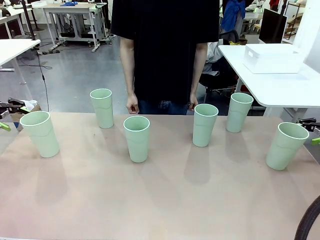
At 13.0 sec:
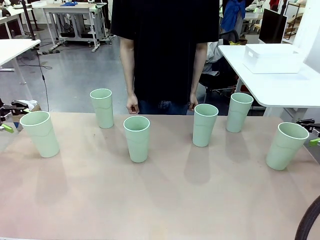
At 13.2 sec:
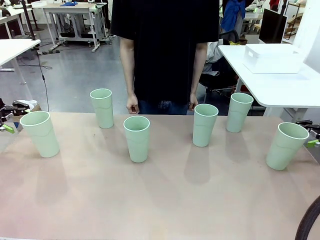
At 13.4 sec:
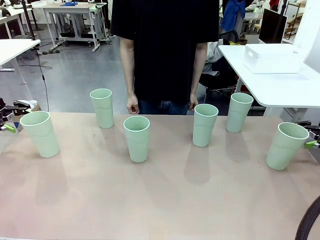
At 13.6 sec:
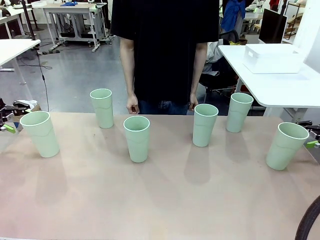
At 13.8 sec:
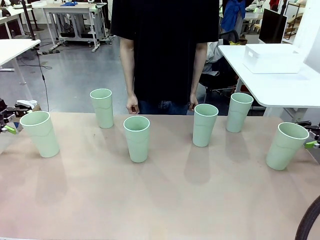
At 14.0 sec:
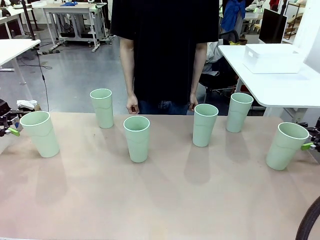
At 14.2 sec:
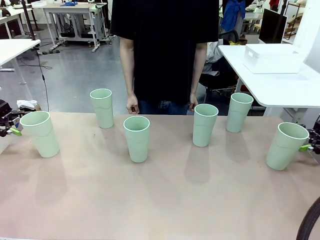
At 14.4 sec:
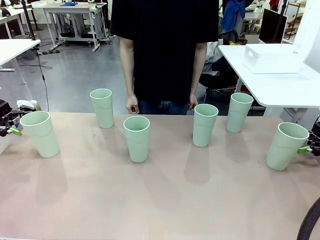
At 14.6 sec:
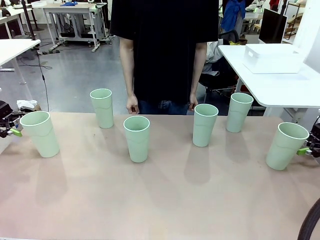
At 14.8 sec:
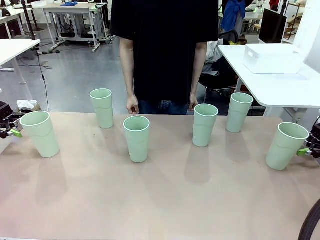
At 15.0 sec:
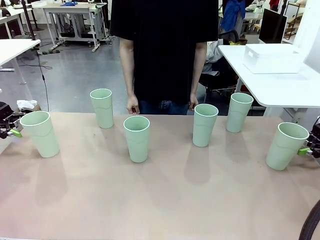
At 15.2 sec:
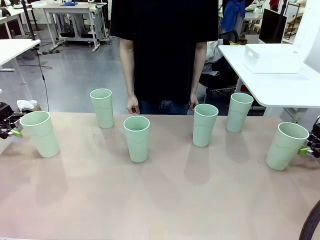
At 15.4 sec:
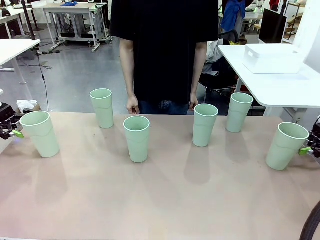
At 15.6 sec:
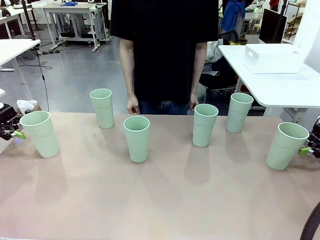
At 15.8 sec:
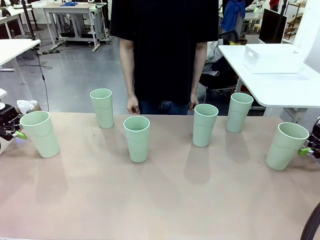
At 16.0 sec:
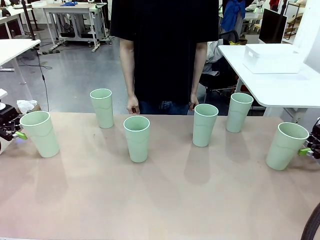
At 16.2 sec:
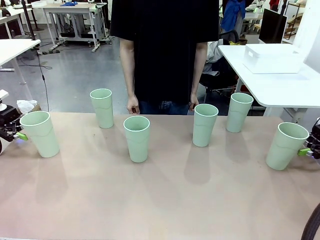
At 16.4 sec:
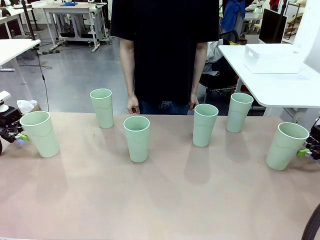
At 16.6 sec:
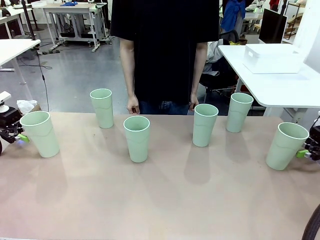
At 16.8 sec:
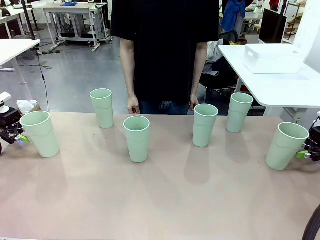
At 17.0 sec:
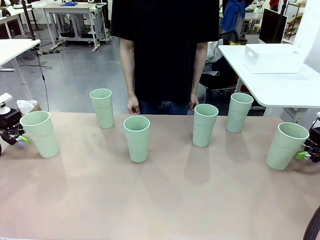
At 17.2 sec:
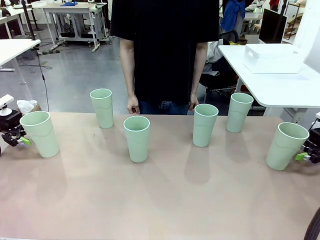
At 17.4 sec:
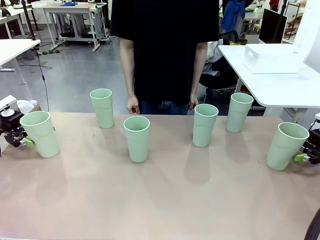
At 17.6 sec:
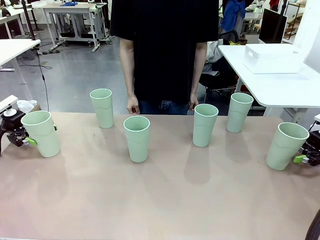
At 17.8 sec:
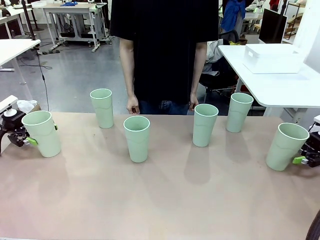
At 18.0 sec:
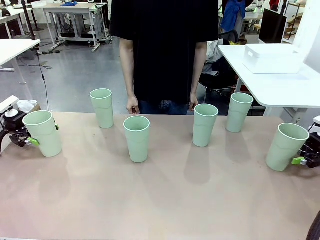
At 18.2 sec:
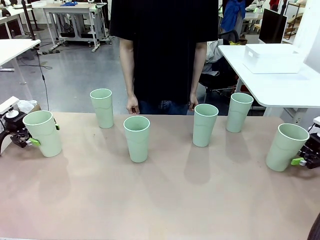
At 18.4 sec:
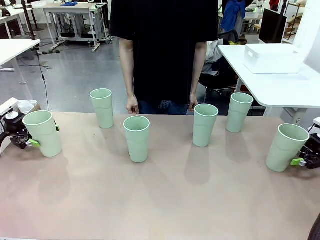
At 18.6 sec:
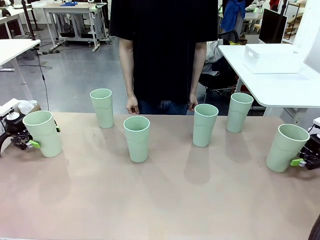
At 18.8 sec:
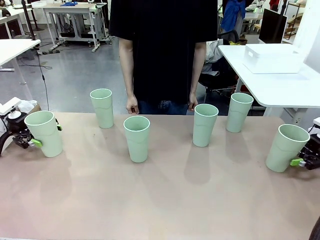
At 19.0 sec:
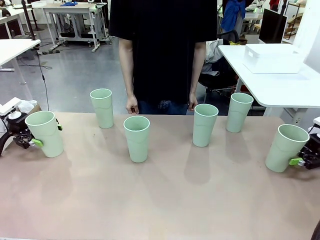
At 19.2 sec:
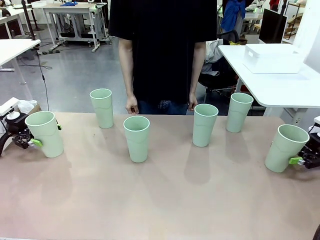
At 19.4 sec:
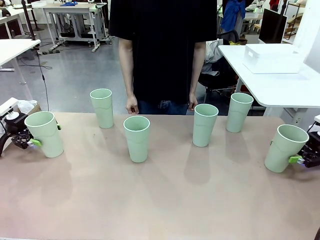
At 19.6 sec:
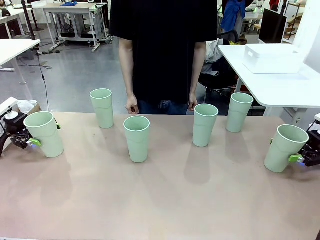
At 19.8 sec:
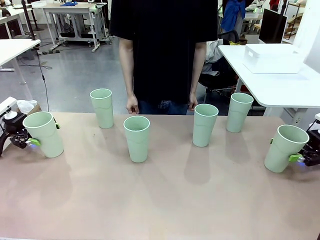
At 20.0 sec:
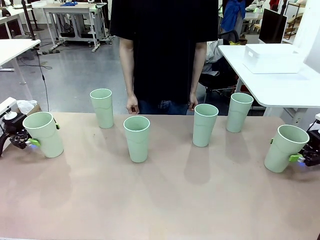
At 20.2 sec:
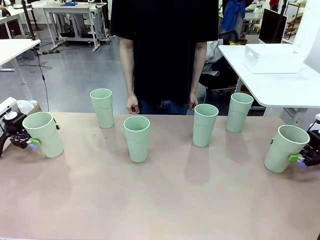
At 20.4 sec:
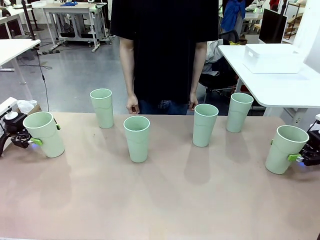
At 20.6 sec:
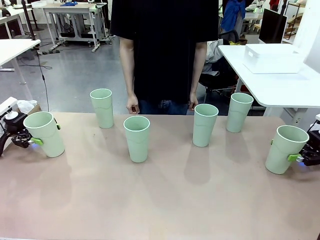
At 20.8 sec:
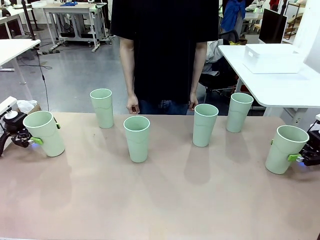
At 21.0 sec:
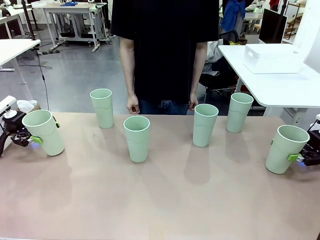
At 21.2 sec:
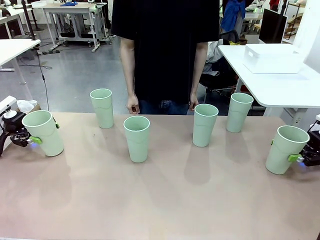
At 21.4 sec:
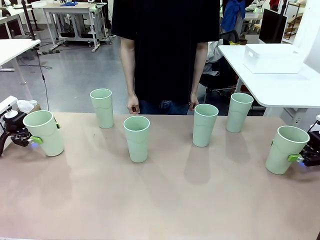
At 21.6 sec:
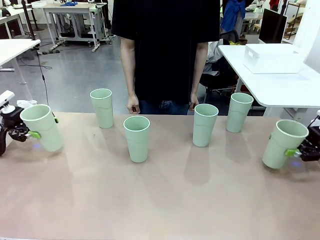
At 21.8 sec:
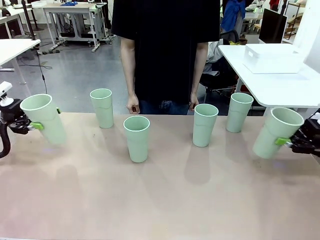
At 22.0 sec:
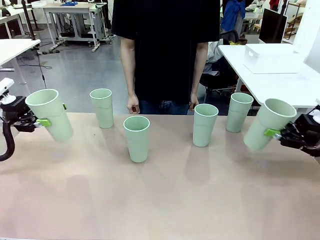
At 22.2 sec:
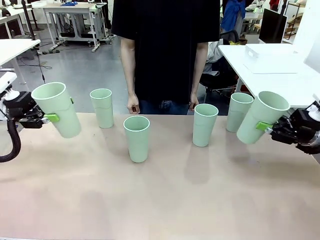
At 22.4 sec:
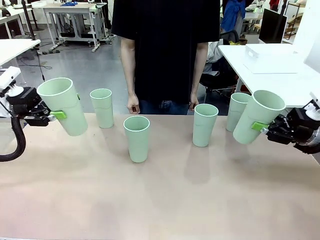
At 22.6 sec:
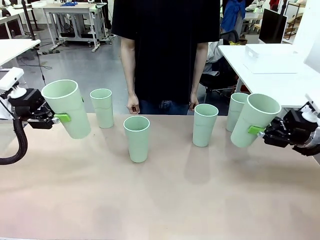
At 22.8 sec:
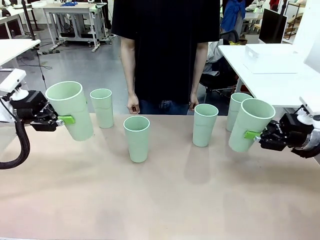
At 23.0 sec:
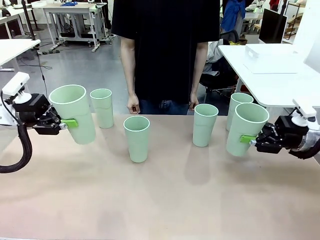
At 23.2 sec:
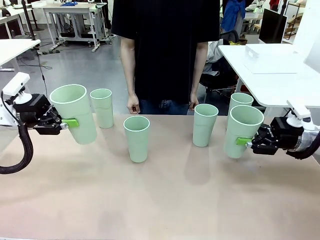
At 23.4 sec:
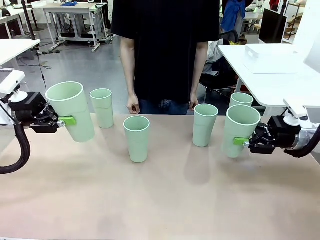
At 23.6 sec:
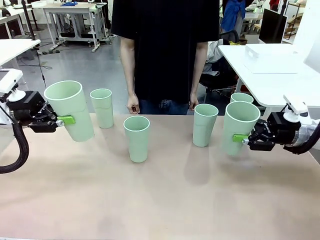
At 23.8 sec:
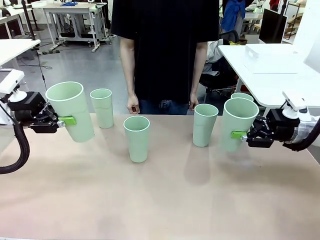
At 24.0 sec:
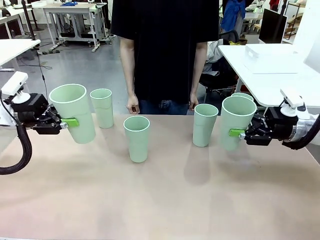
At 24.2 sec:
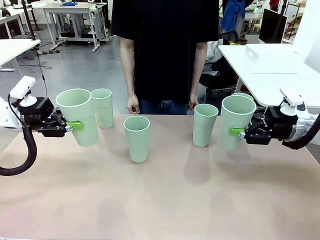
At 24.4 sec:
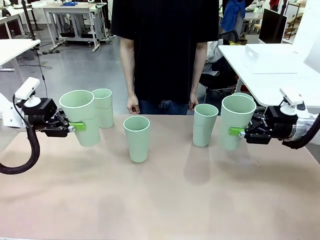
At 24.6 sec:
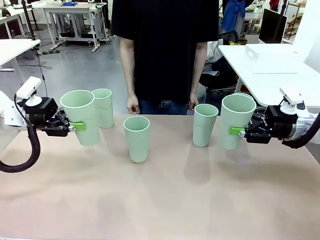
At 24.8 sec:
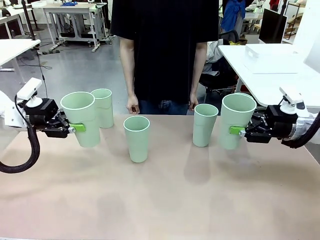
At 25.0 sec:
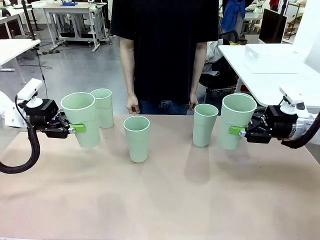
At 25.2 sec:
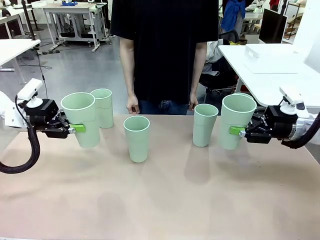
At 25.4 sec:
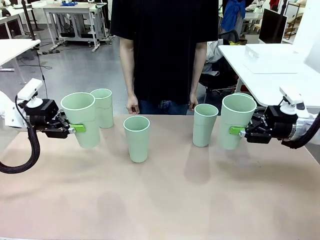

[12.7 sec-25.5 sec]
Task: Stack the cups and store them in the basket.
Robot: Pick up two Reusable plastic cups , one in each hand.
